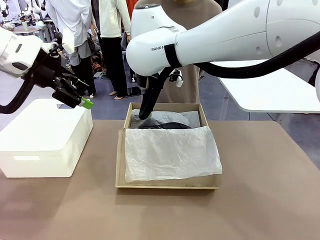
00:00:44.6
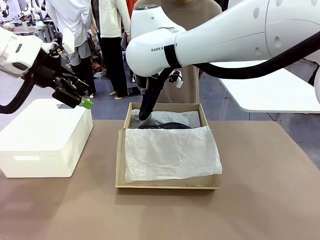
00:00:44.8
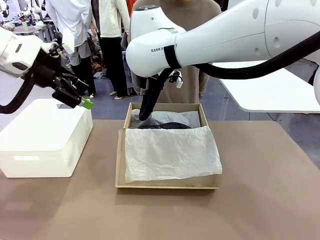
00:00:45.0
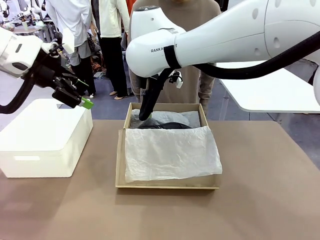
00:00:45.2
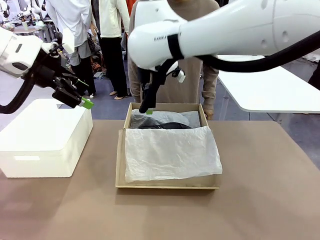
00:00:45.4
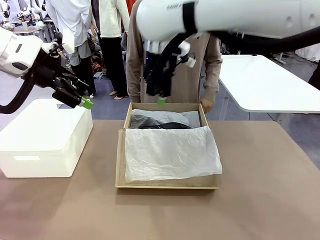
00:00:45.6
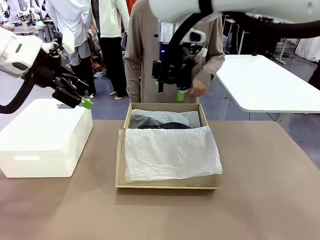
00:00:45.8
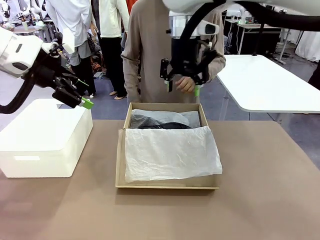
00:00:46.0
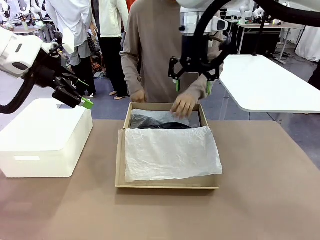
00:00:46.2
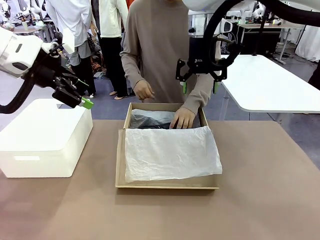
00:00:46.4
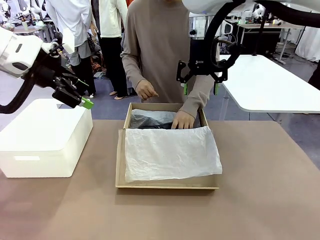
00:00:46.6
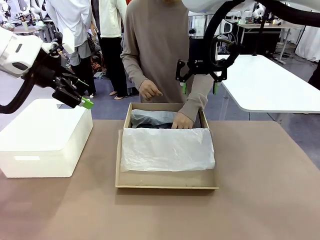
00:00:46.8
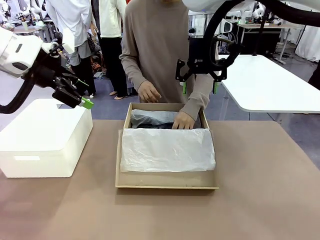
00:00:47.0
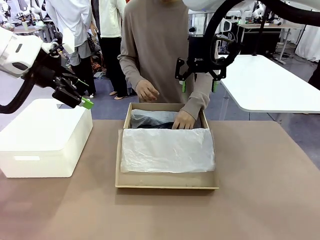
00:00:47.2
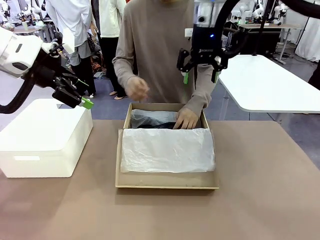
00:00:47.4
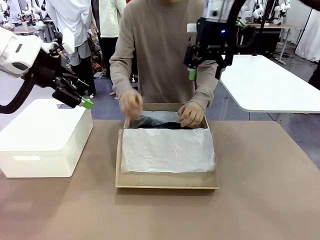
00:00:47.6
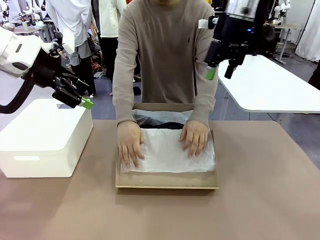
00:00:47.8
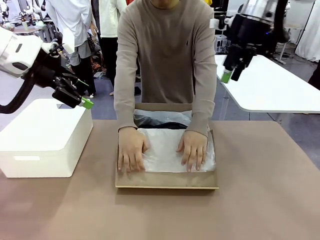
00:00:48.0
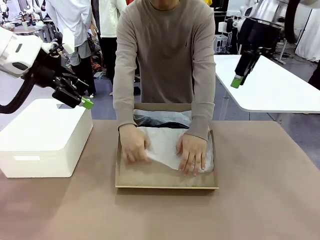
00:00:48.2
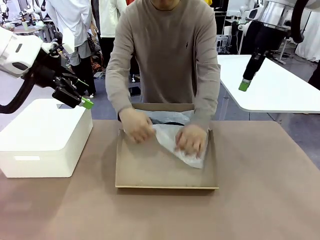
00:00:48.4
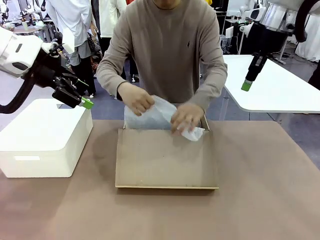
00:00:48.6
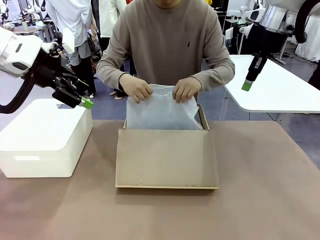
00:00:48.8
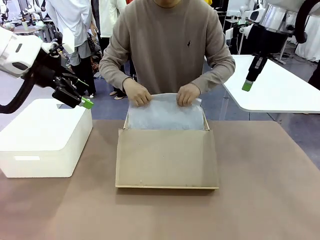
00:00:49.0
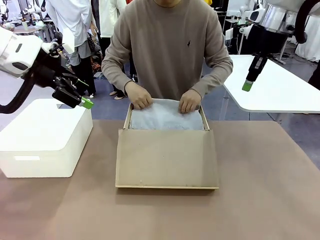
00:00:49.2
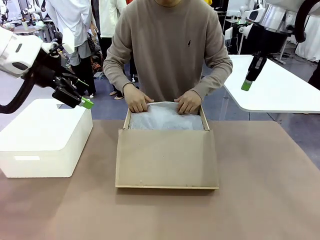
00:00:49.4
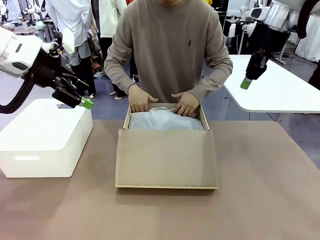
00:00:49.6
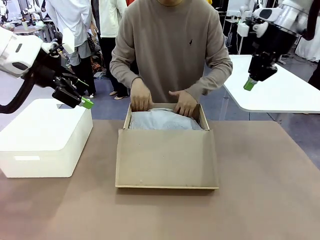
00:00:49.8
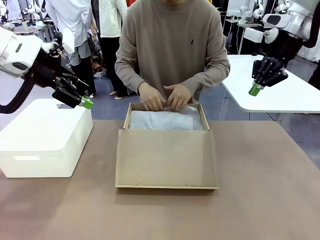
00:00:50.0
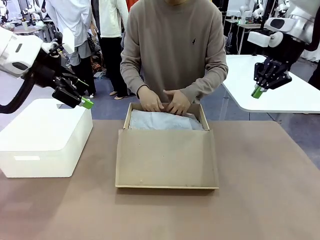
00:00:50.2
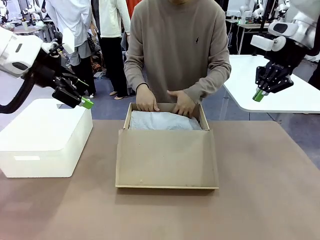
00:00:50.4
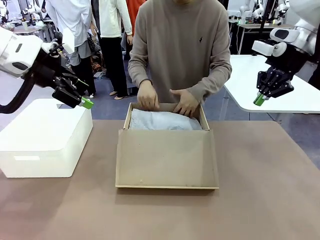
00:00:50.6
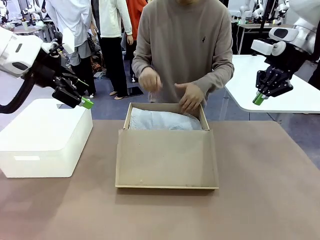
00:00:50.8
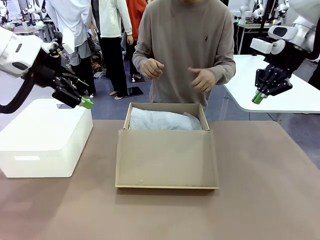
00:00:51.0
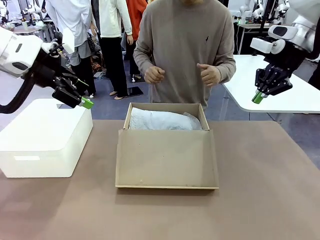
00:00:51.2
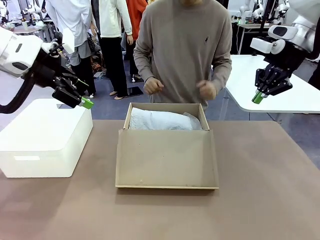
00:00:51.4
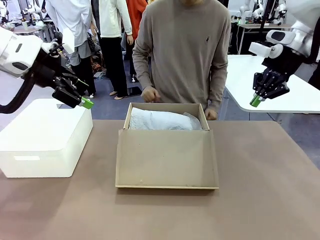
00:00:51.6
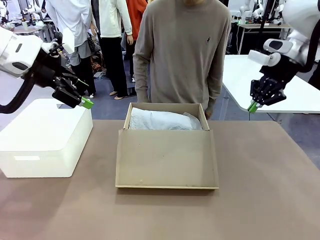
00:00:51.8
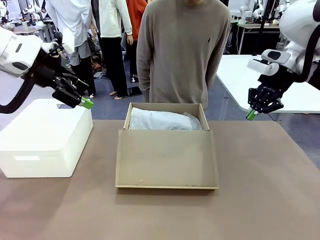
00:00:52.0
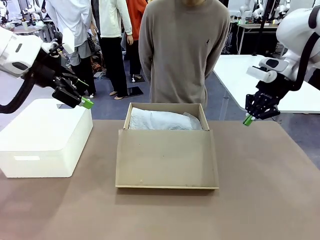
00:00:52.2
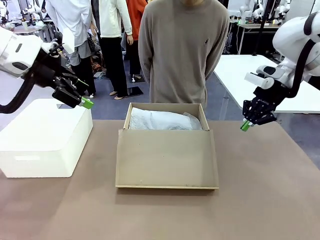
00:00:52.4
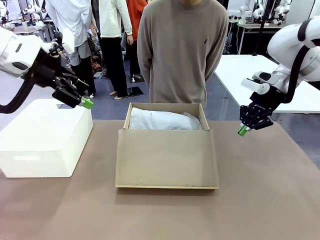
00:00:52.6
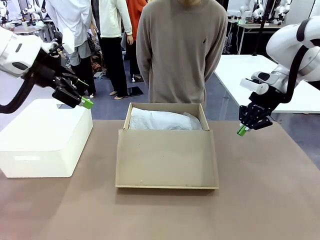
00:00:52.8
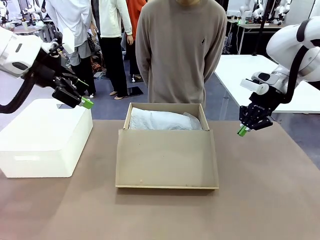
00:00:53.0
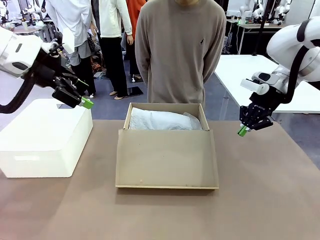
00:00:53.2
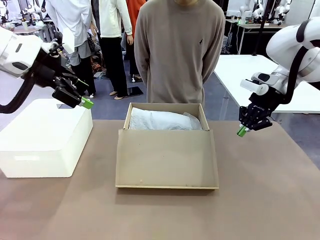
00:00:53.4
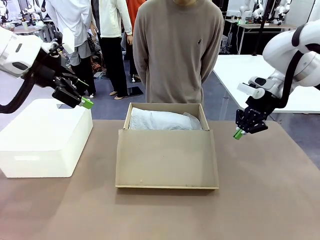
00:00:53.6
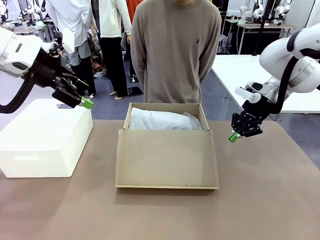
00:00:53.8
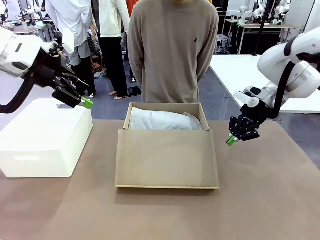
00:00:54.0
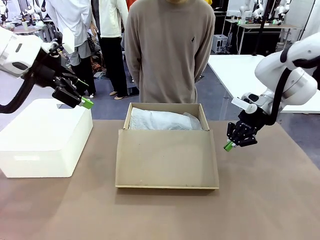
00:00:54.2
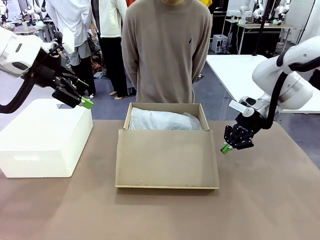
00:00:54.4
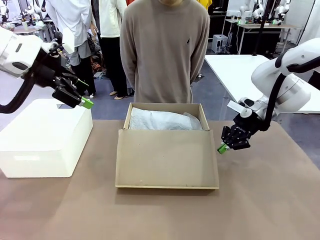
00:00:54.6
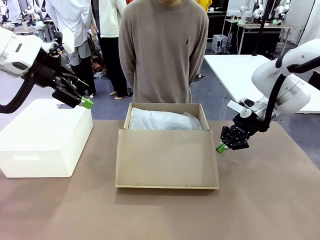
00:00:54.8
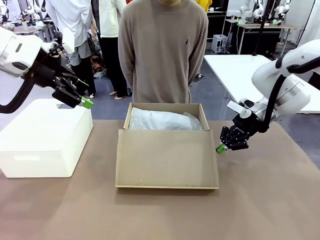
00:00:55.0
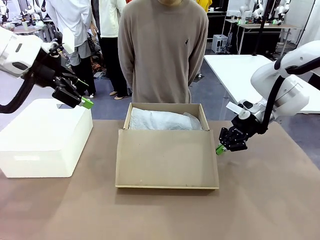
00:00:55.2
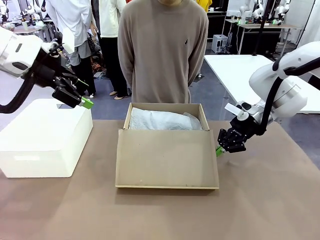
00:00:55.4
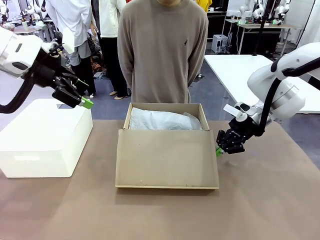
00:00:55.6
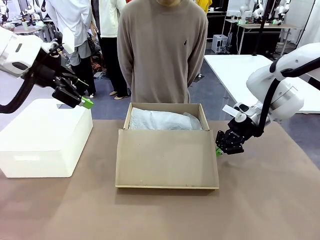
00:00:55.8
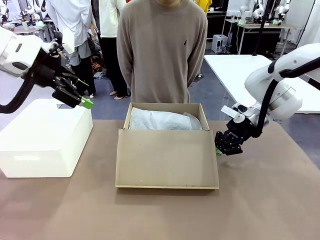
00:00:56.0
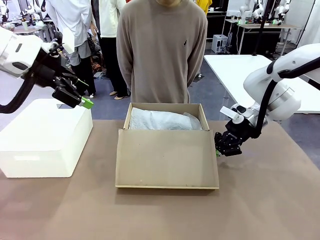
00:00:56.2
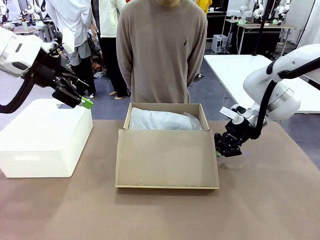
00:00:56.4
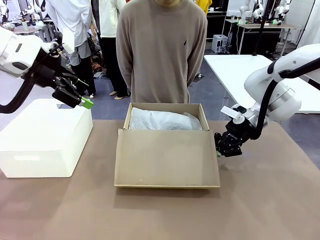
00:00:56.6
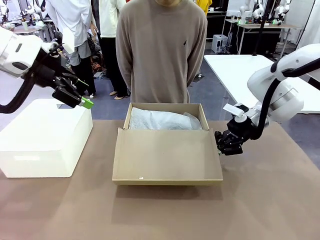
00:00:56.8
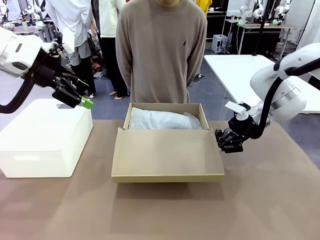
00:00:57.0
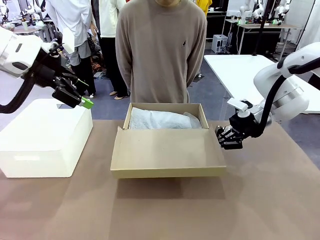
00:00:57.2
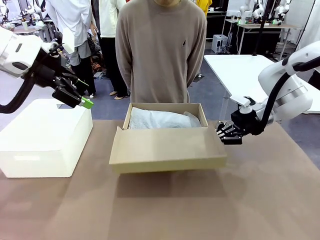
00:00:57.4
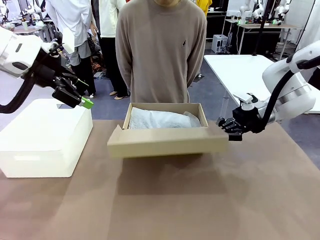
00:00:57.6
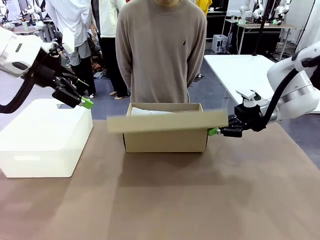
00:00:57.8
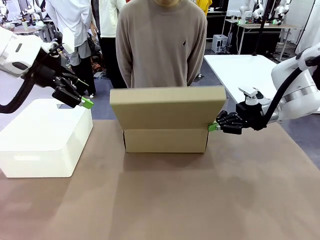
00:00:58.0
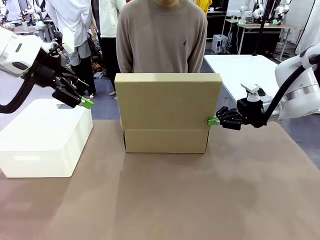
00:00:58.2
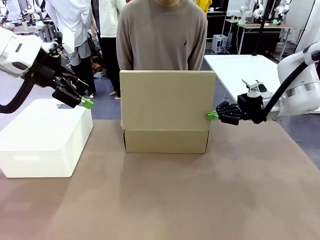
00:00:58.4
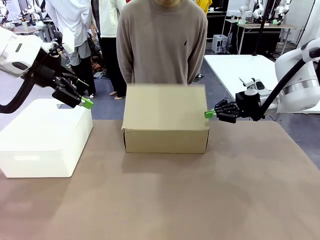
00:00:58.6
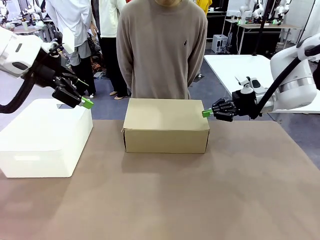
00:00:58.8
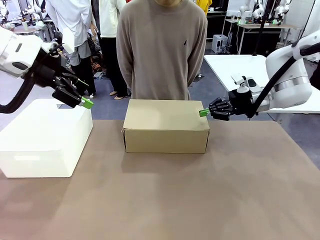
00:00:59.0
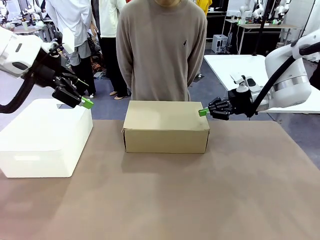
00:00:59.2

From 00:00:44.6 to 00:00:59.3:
Task: Pack the shoes into the box.
Robot: Close the Shoes Box.
